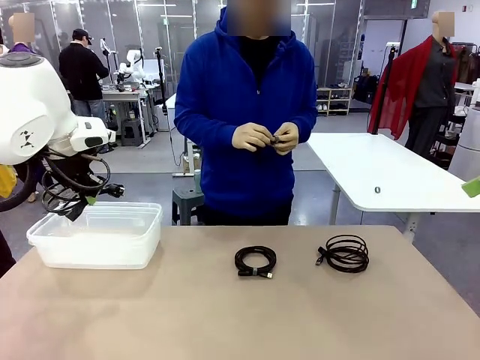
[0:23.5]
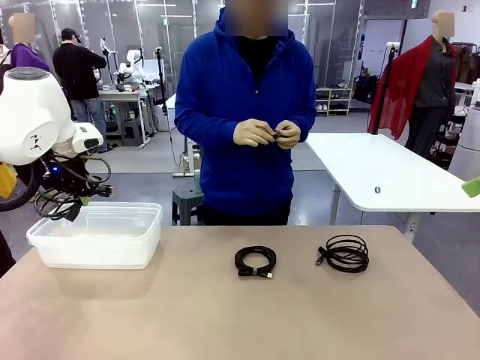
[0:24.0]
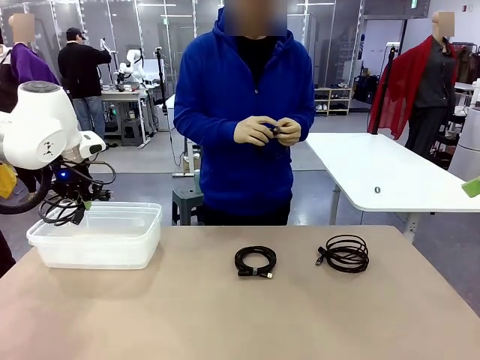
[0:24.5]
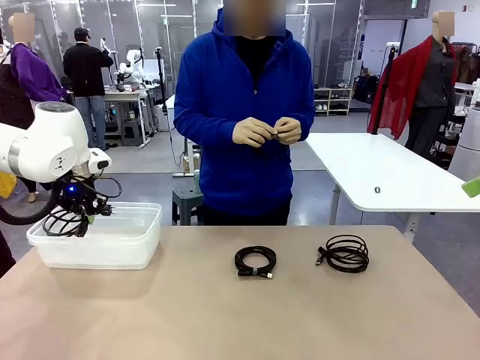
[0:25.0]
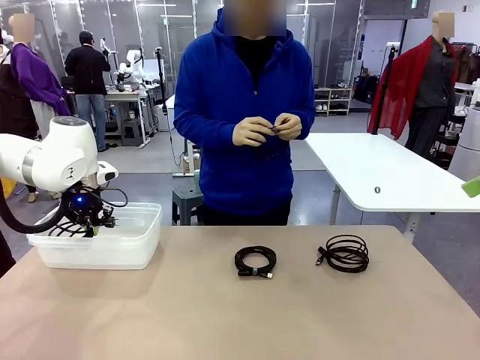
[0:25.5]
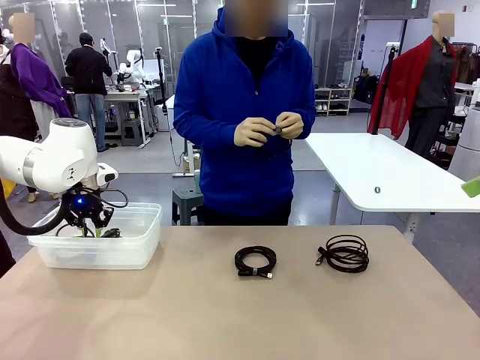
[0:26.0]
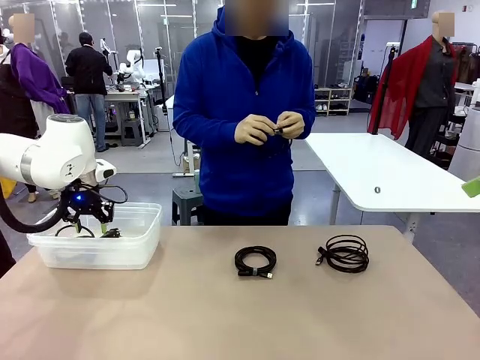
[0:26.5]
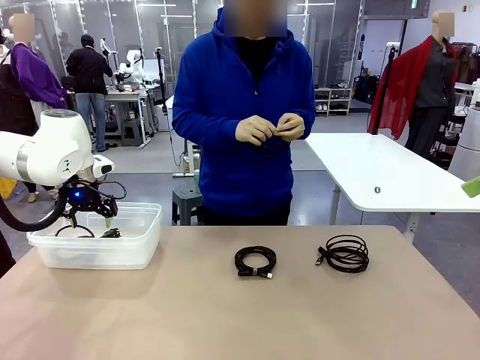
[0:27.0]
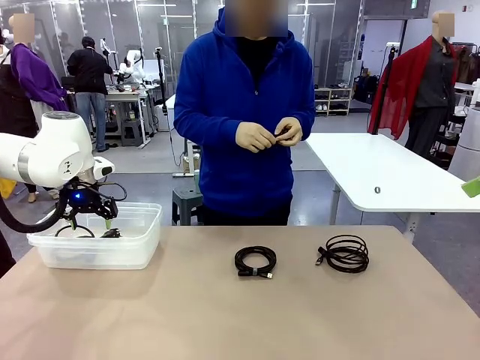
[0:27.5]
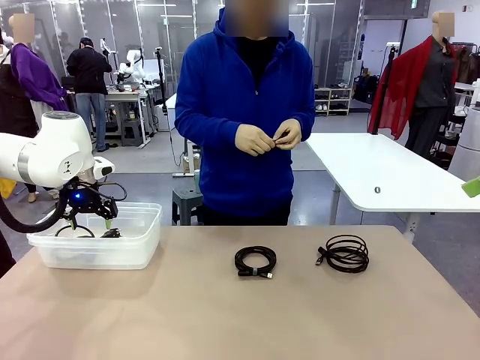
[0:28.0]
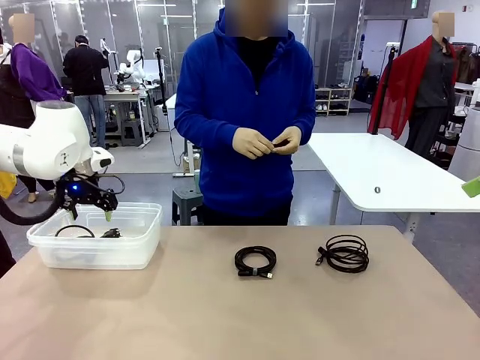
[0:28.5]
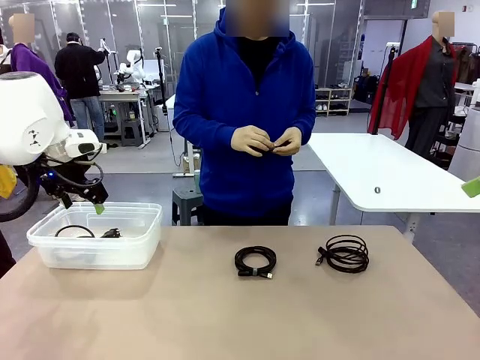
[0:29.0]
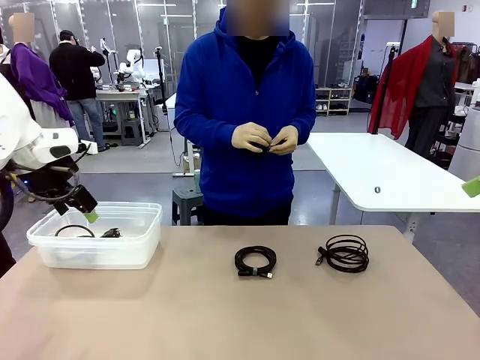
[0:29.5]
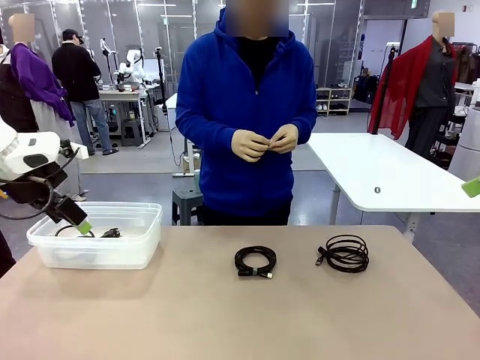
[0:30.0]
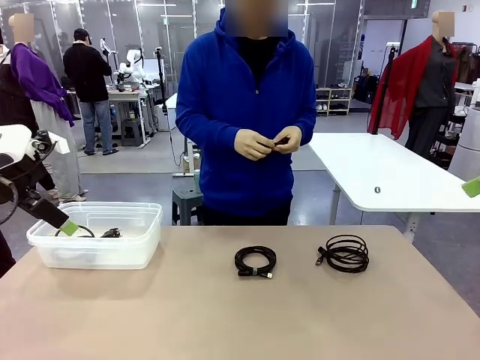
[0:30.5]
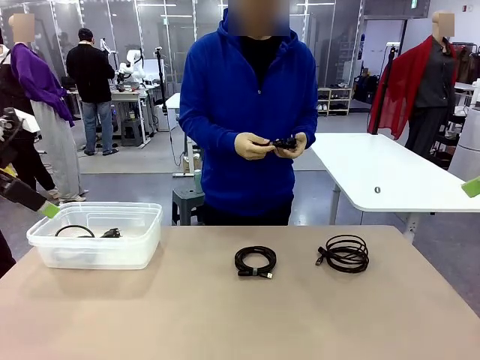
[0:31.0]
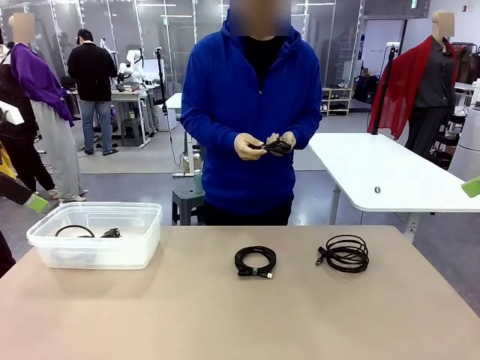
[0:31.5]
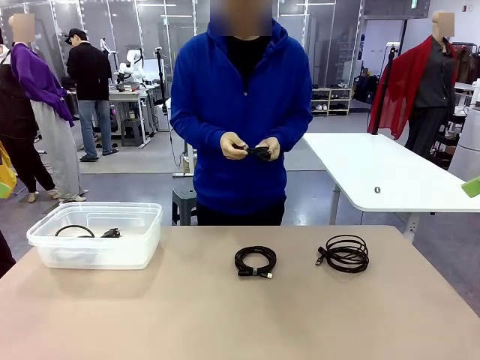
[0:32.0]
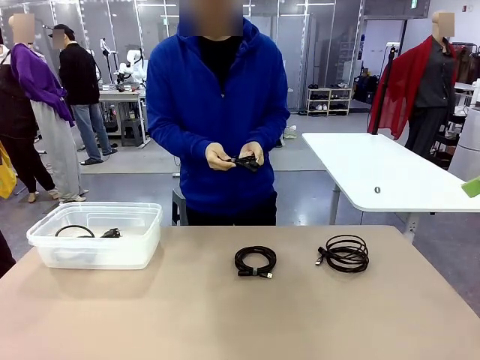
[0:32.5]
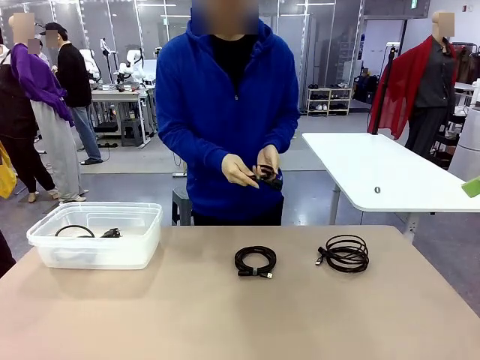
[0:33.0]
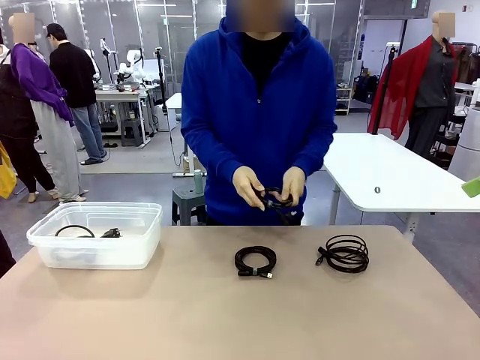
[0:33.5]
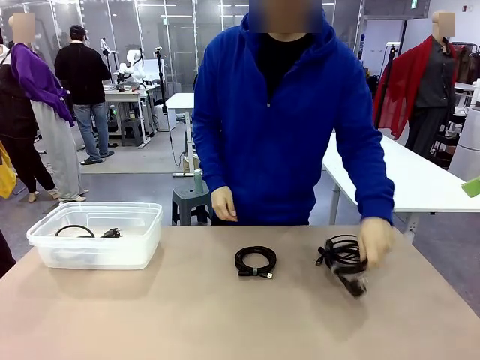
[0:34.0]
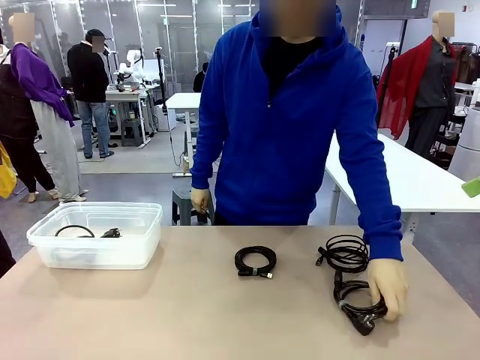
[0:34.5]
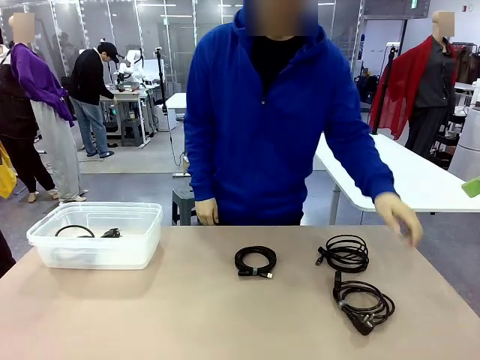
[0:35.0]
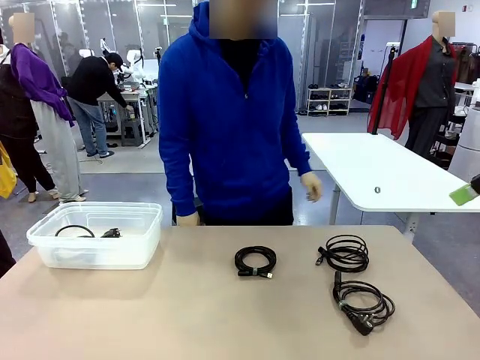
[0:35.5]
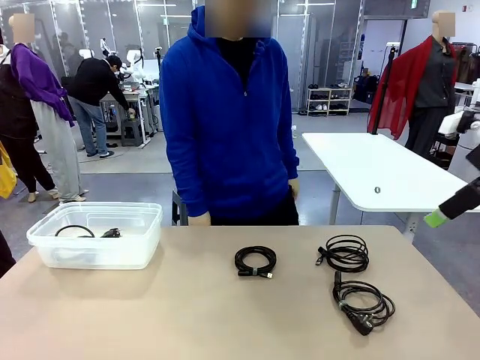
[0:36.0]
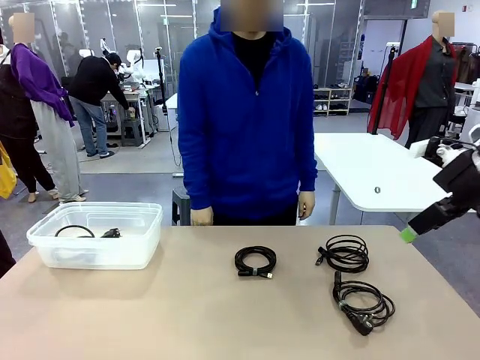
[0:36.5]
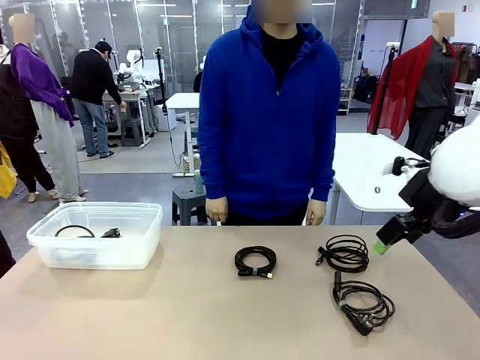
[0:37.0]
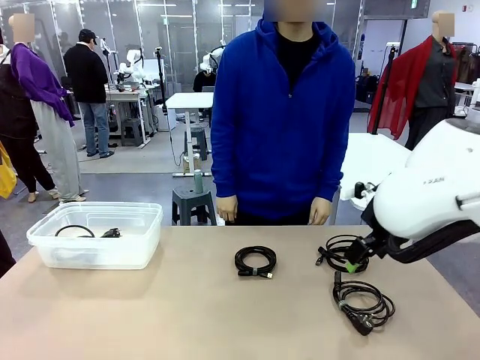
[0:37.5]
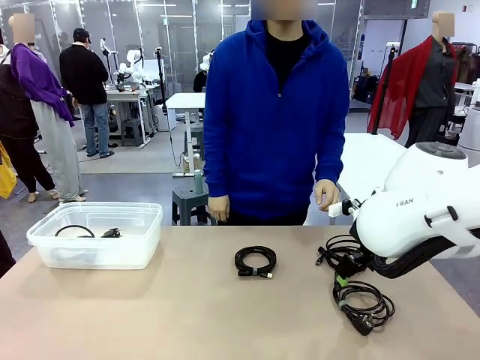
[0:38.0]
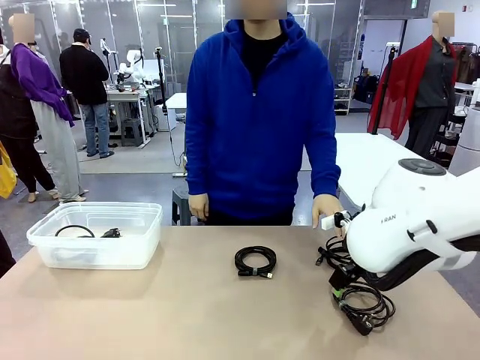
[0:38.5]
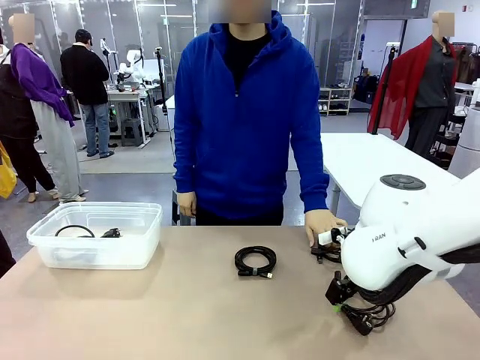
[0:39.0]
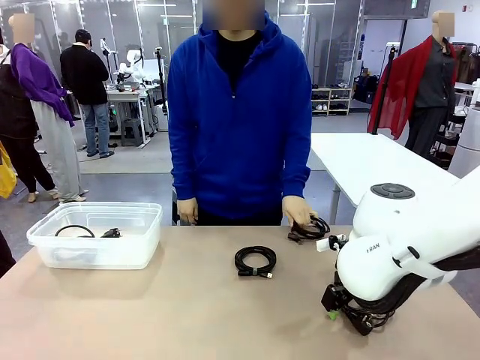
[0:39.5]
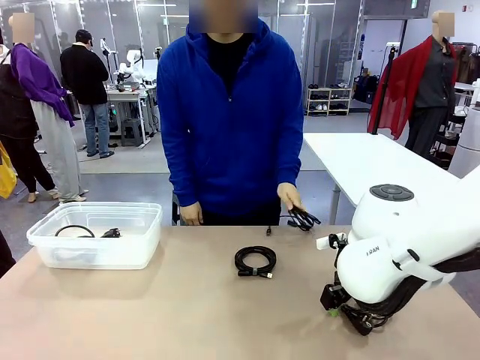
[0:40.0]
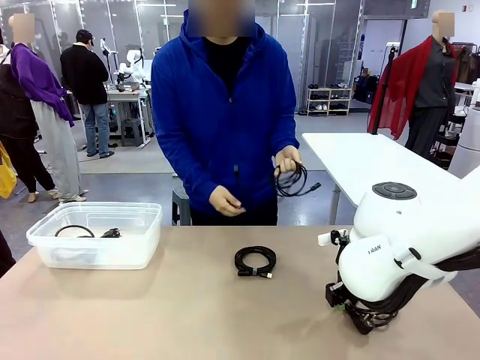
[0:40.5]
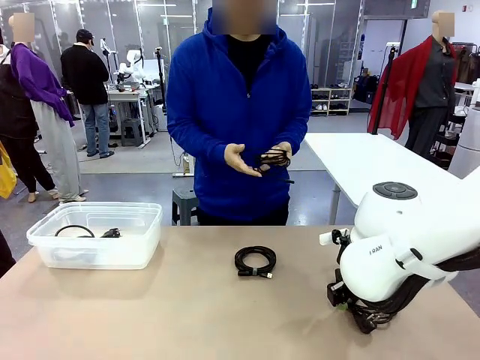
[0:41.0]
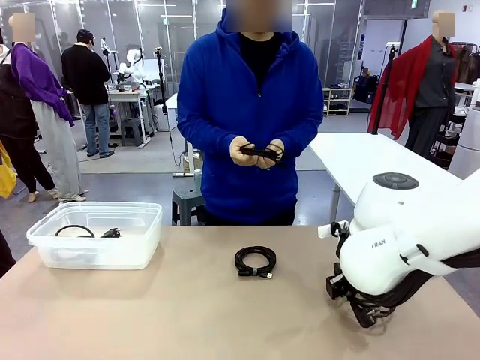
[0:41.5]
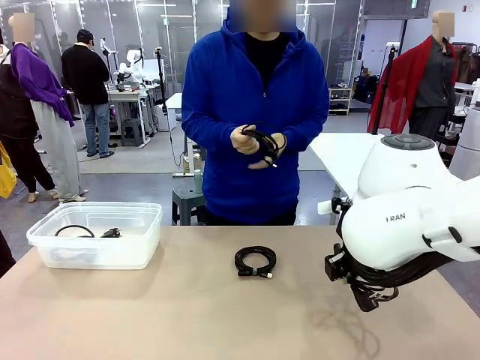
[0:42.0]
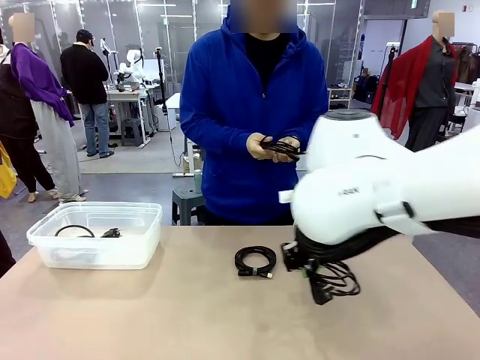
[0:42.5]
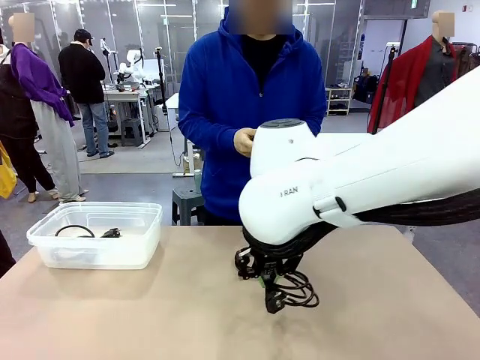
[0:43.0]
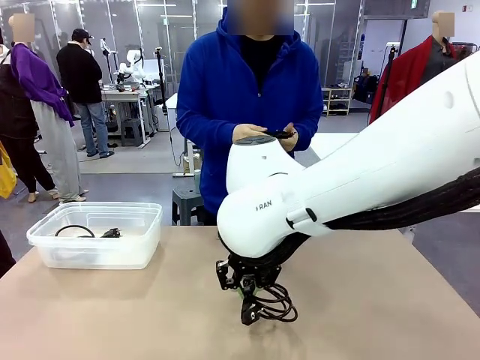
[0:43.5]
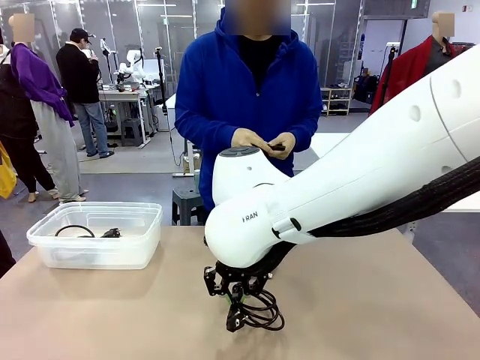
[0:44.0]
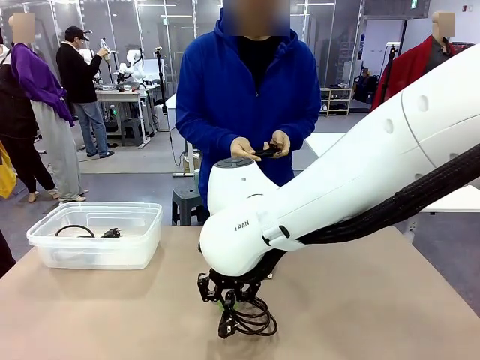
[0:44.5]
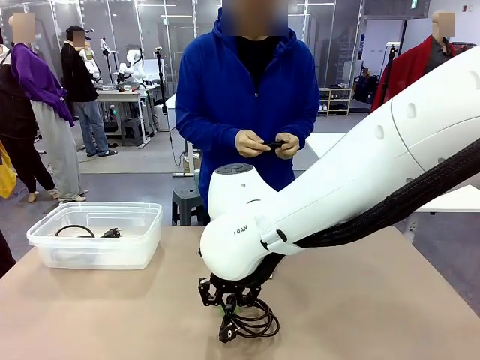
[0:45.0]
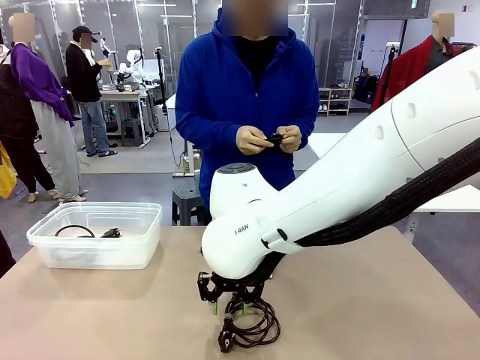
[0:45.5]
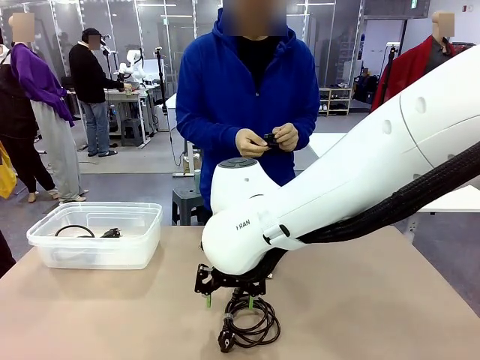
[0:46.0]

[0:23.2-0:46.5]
Task: Organize and store the cables.
Robot: Place the Power Cable into the Organizing box.
